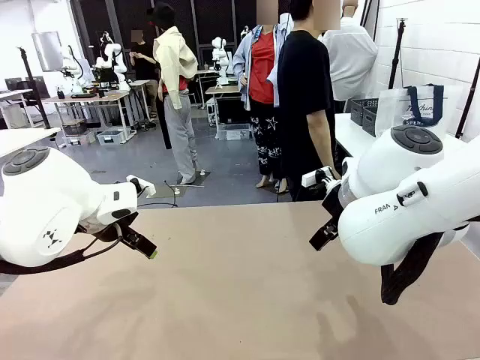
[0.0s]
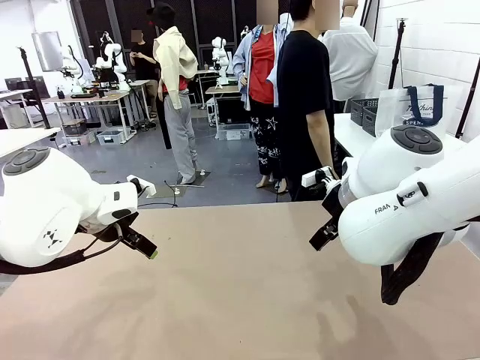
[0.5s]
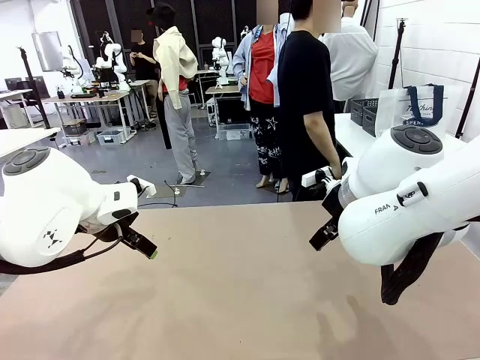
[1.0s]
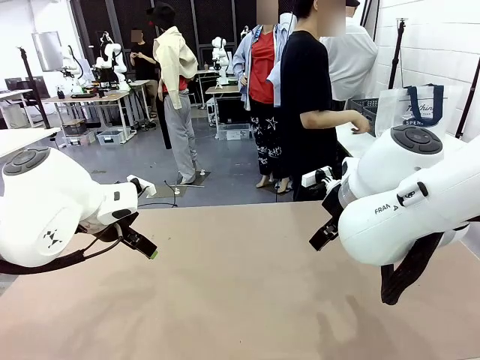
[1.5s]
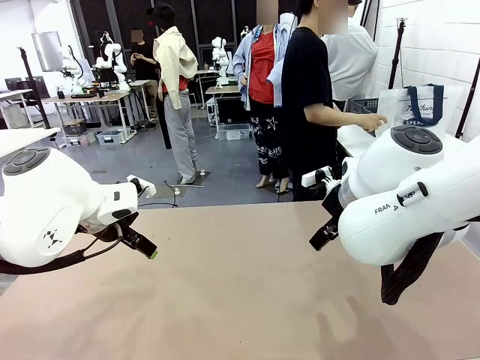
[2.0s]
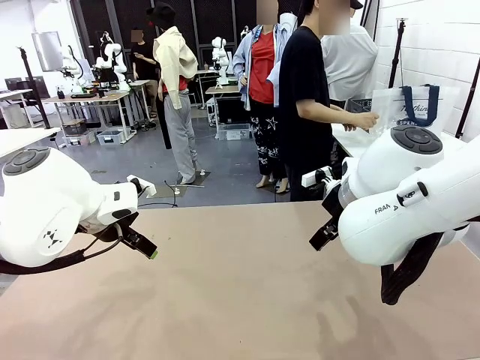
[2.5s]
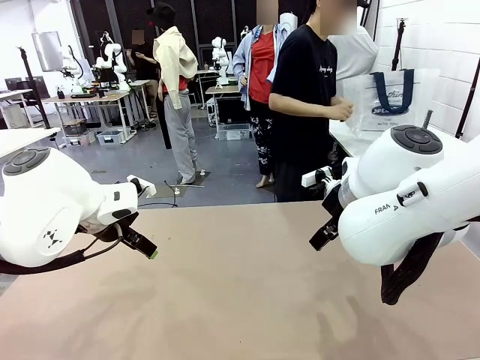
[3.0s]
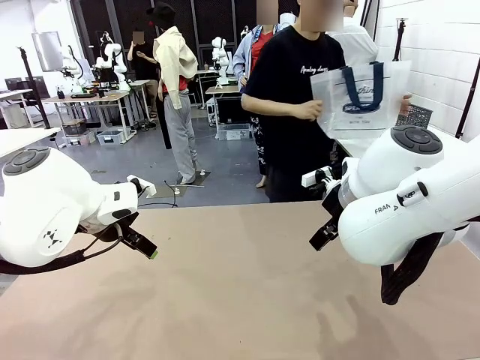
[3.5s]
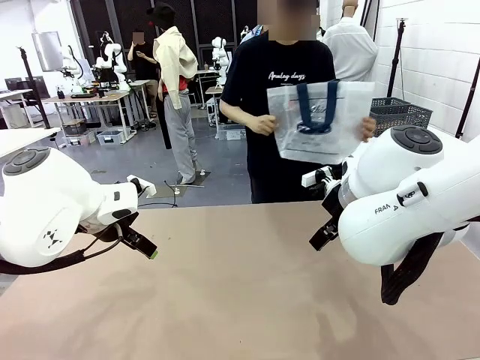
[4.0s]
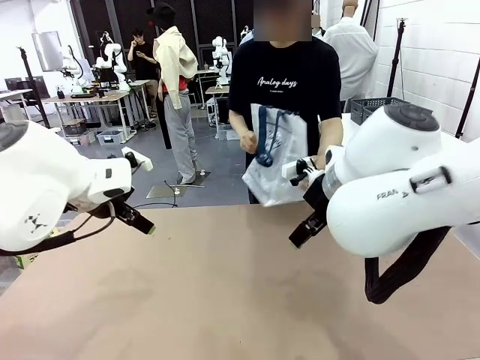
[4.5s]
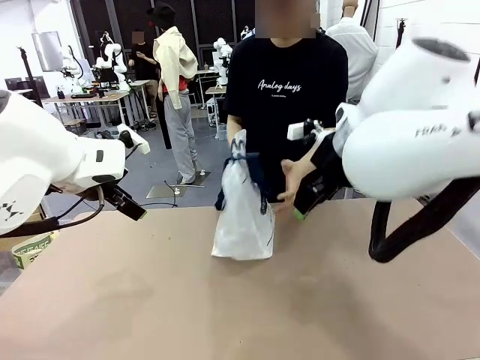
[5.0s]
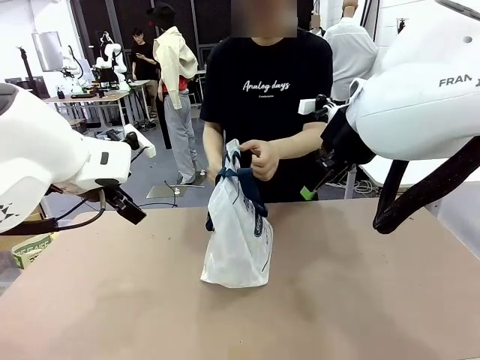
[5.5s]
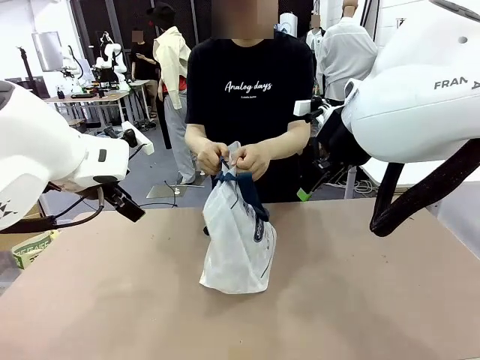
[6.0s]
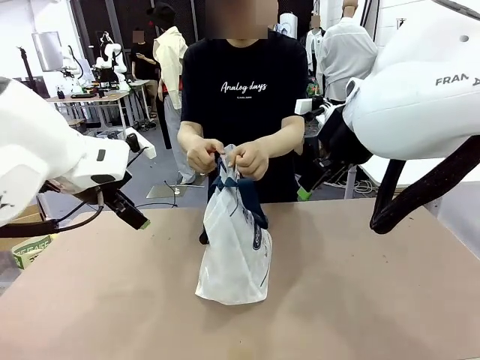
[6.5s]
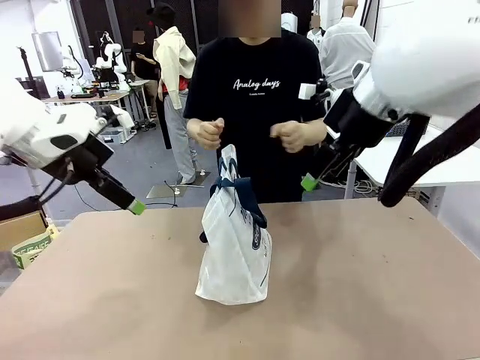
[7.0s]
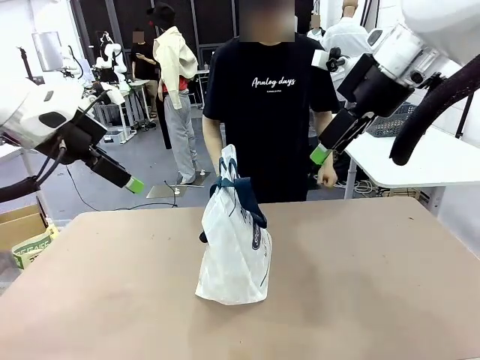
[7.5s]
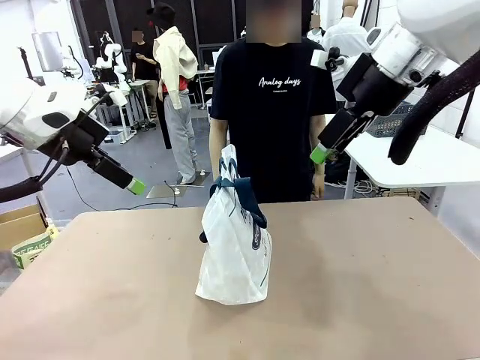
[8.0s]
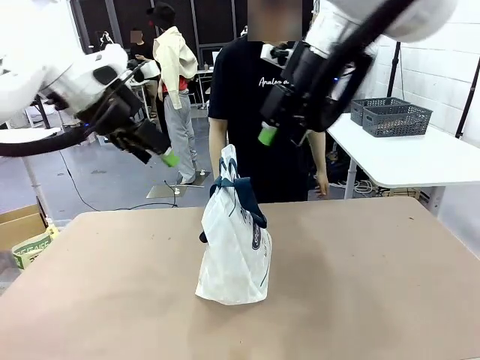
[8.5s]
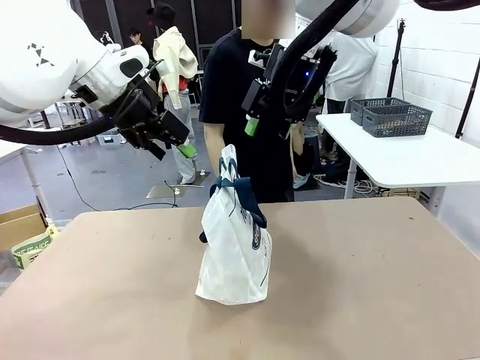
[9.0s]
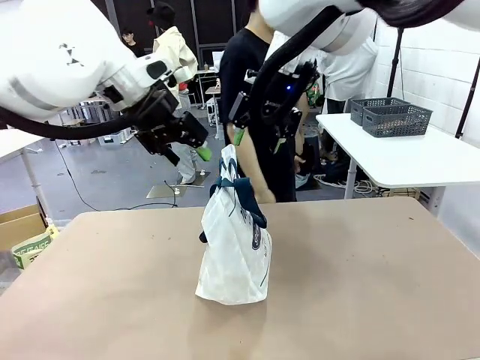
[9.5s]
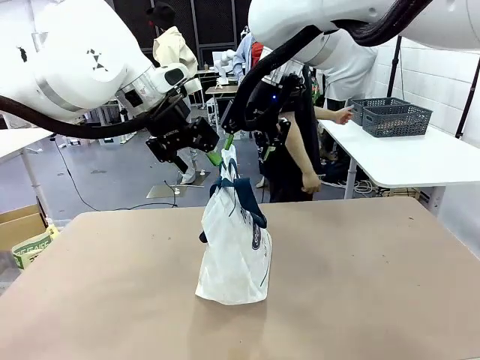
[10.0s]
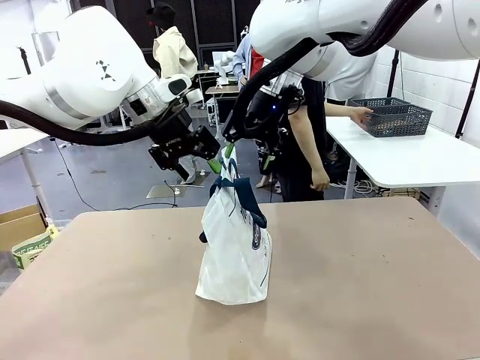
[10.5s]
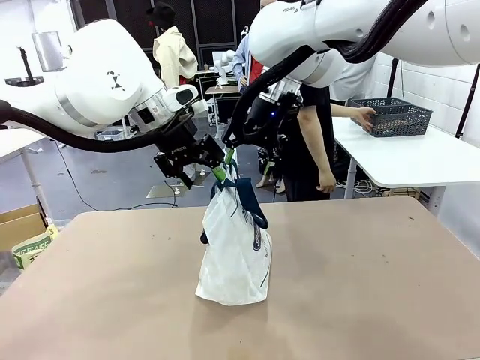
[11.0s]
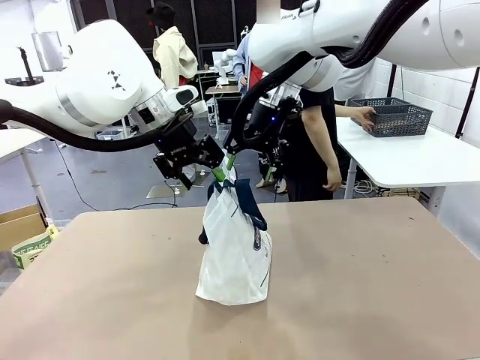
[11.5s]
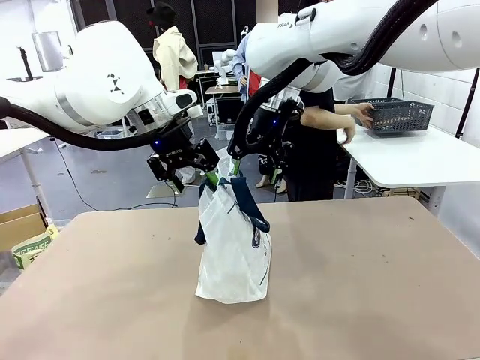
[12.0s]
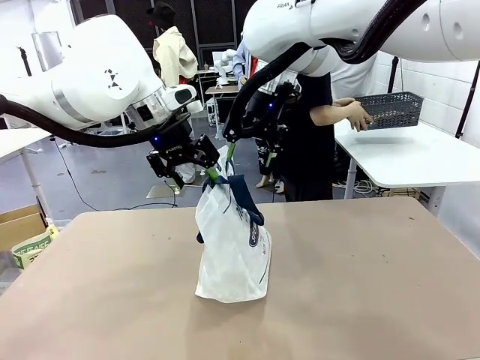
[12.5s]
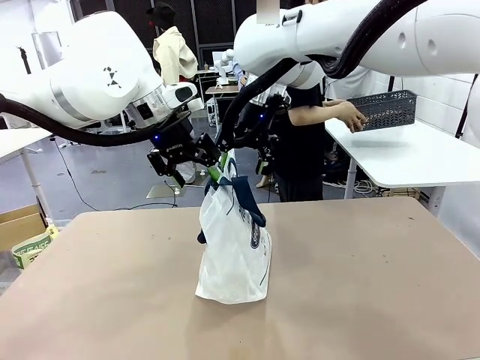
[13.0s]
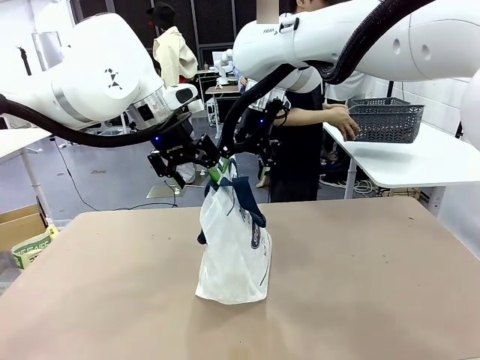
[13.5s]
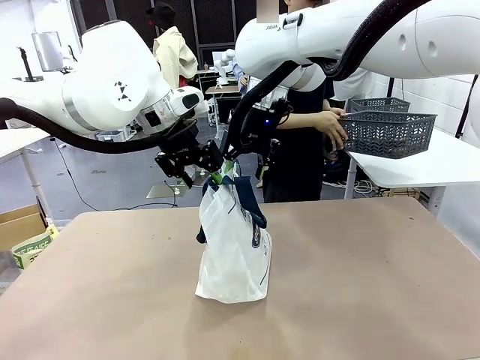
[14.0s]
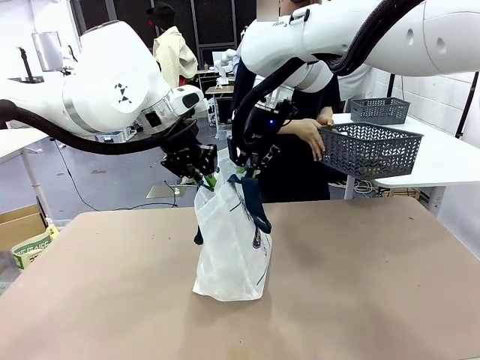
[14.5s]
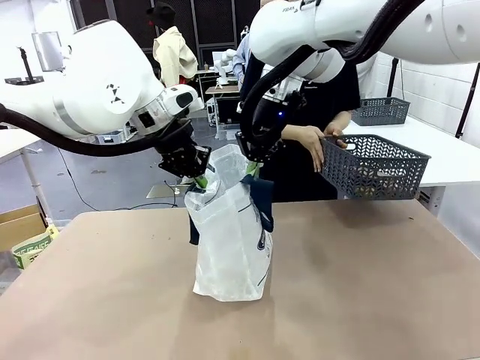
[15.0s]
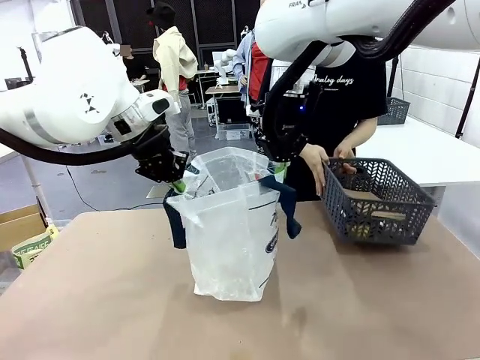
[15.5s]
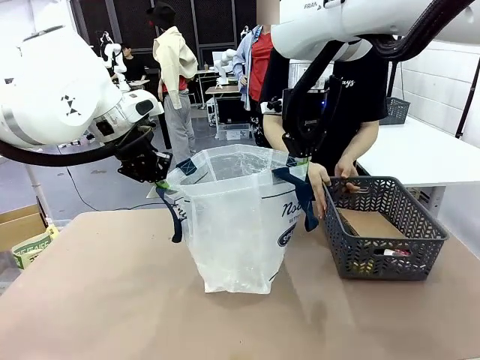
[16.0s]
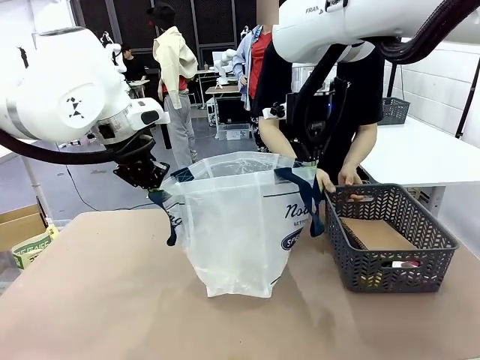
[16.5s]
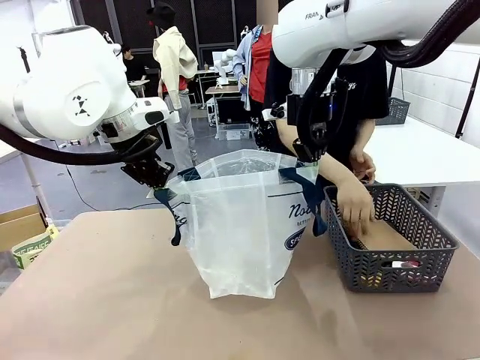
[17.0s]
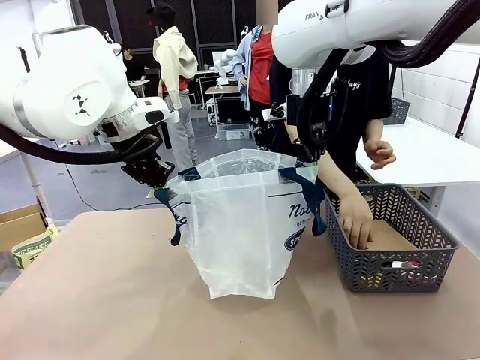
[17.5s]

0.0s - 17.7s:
Task: Transfer purchased items from the store into the shopping bag.
Robot: Open the Reusable shopping bag in the center of the table.
Person: Pick up the shopping bag and place it in the middle of the robot table.
